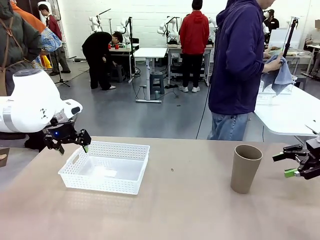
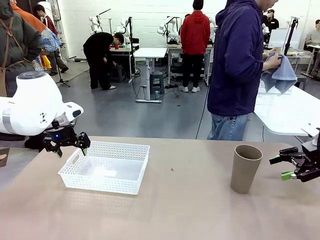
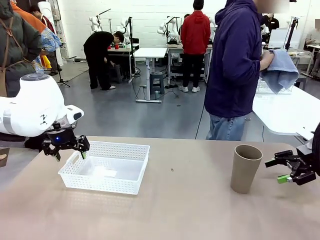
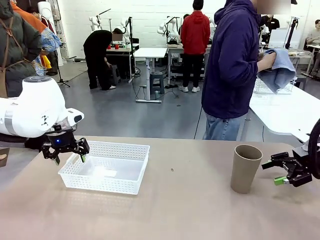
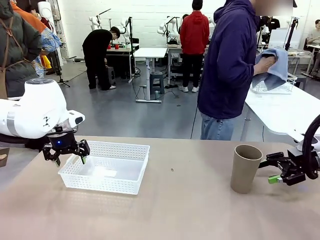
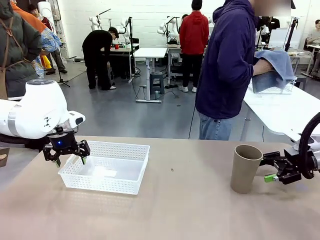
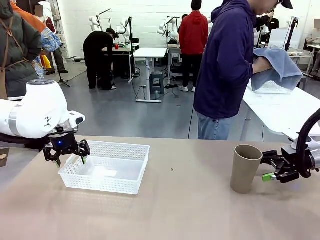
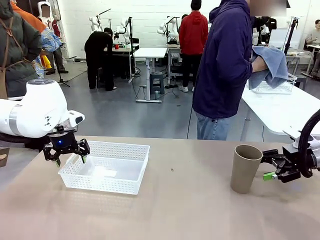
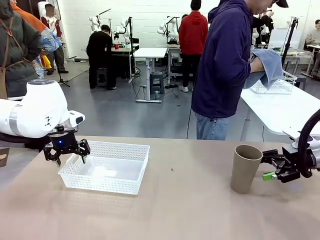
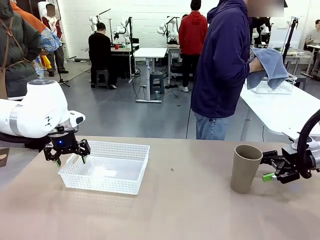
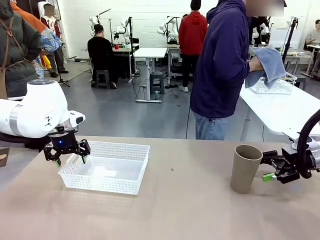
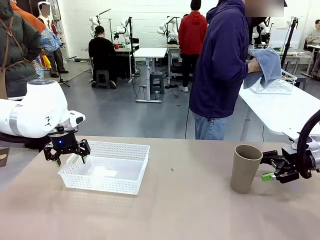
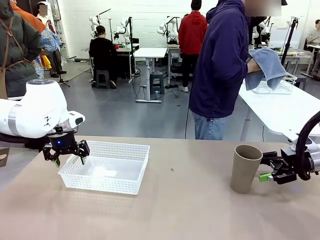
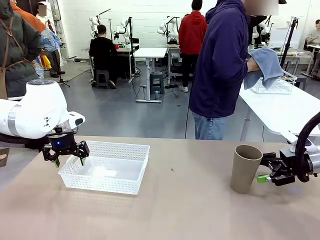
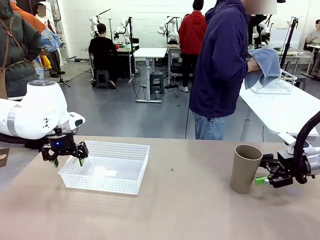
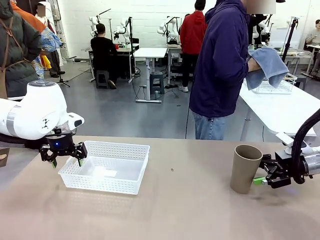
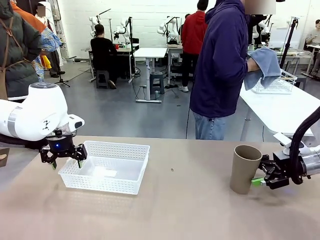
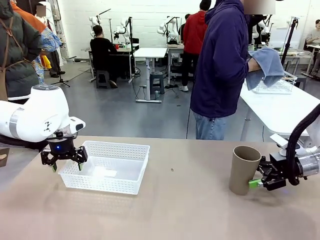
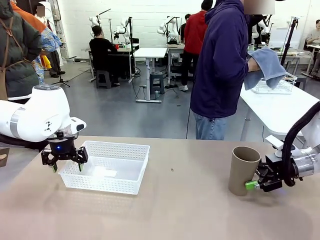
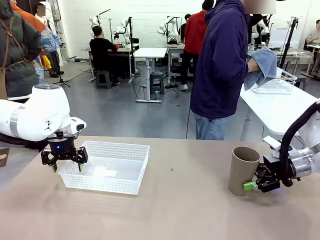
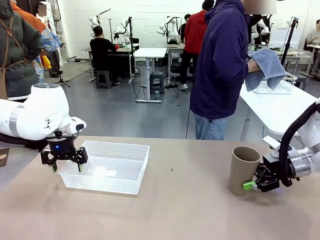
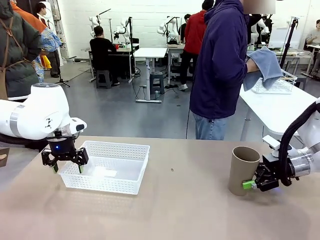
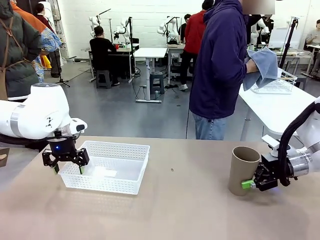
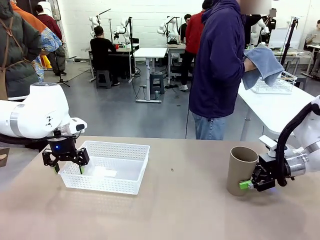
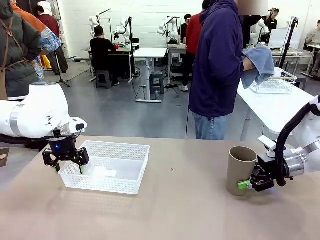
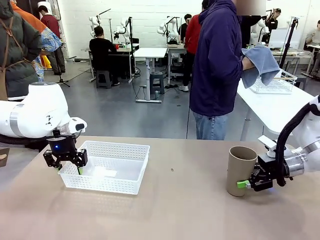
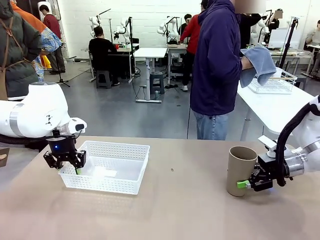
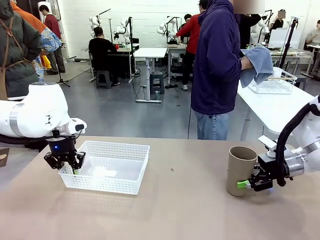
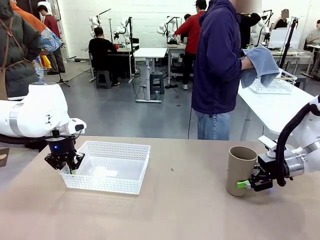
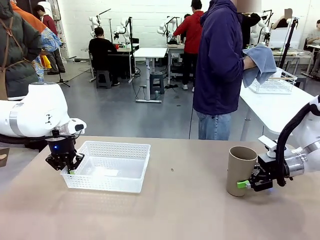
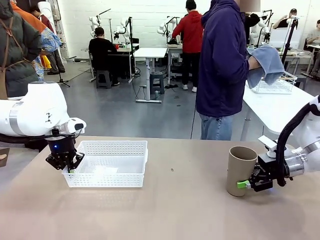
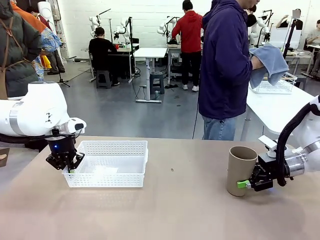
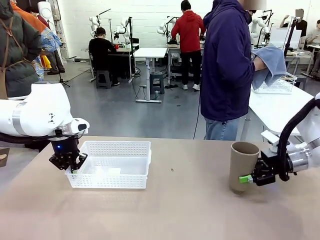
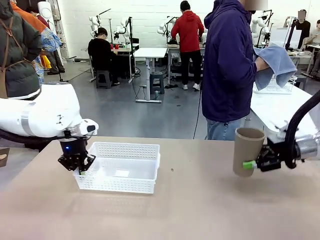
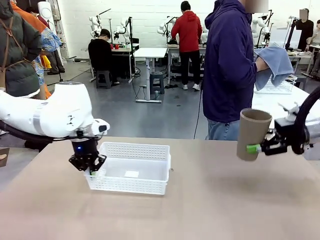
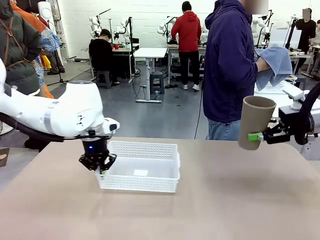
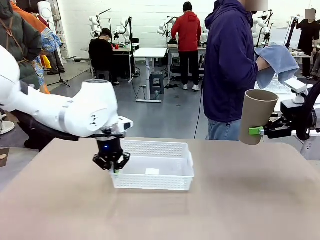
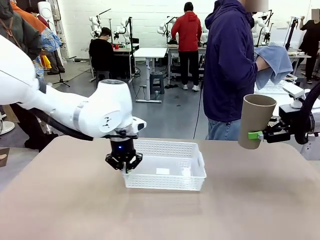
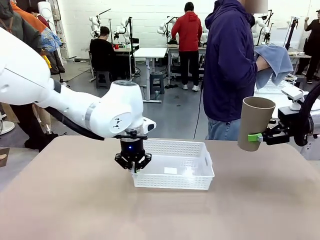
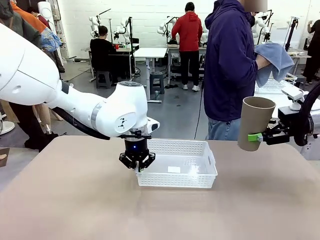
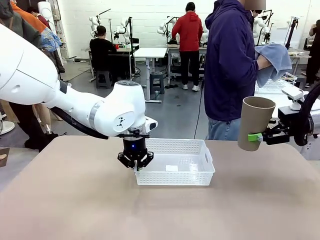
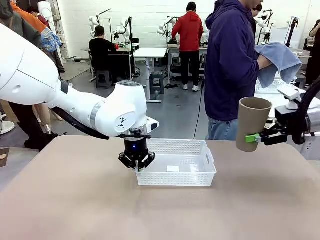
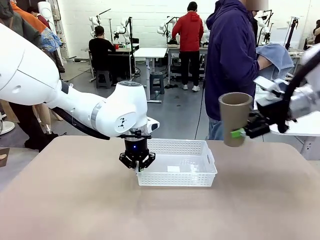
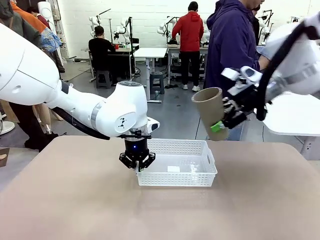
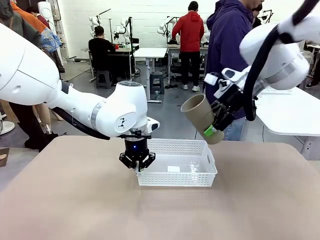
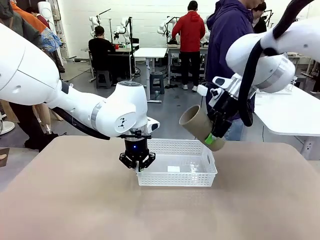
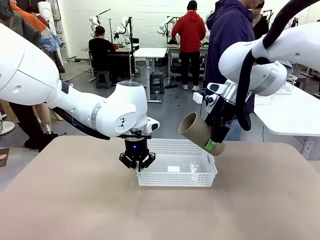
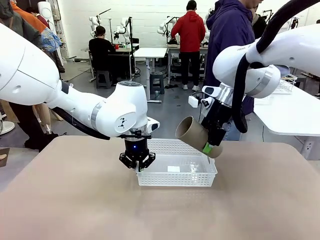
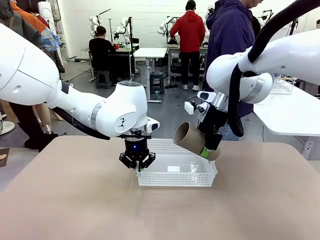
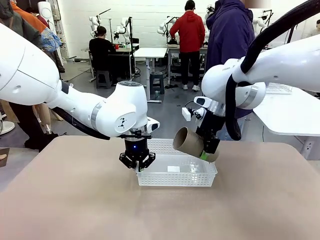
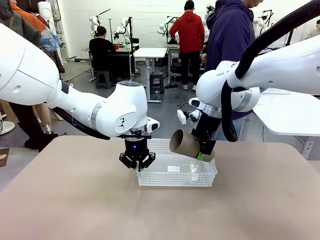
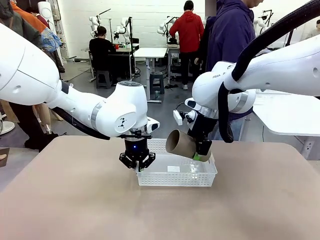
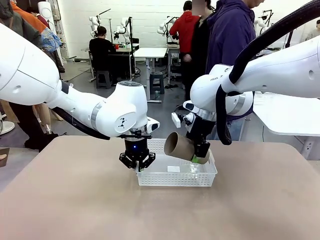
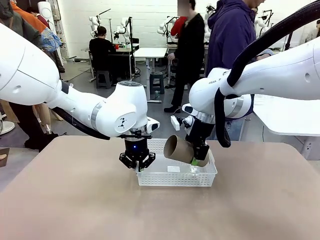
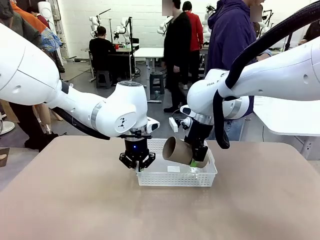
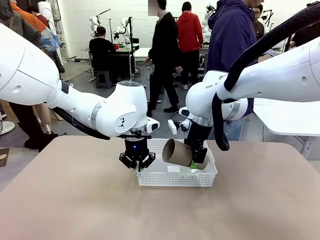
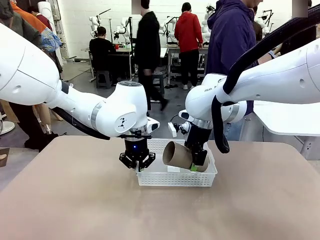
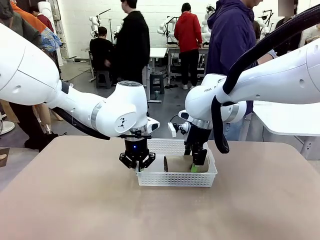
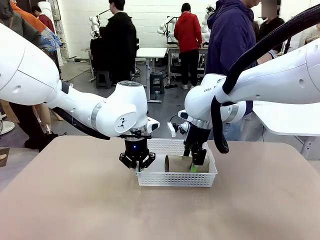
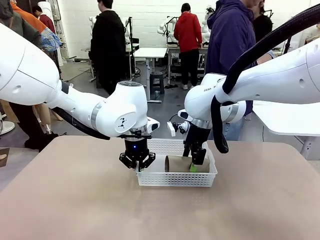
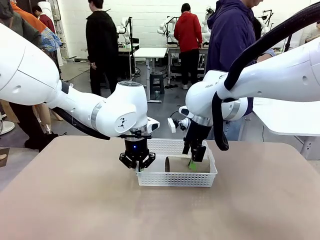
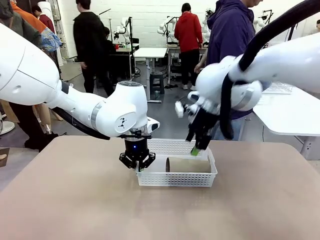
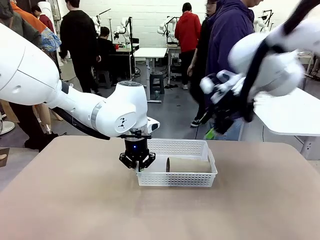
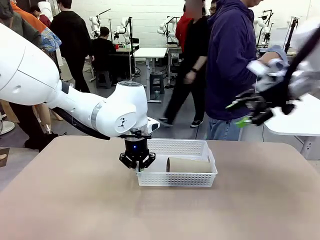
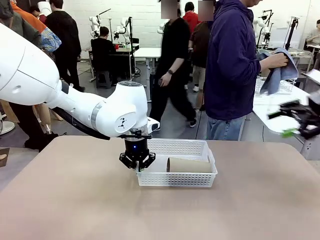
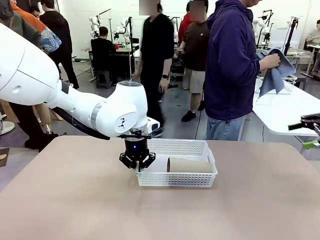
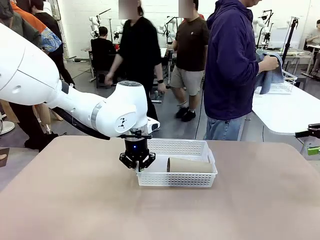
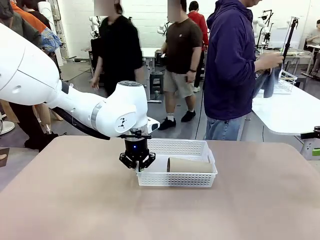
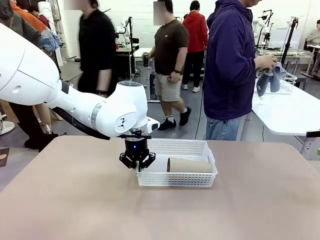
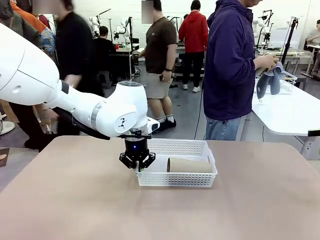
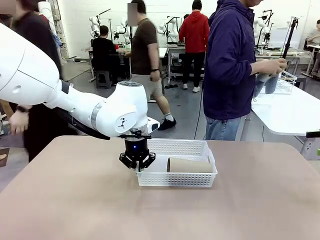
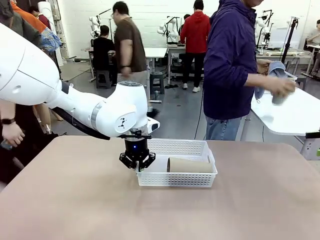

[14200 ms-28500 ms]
Task: Clean and organize the cups into the basket.
Robot: Pick up the Organizing basket and move it to the center of the table, then pick up the Reusable plastic cup from the right side of the table and place it inside the Organizing basket.
